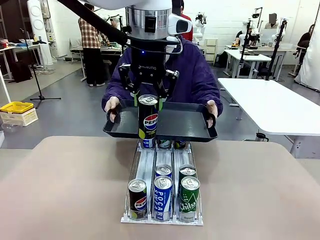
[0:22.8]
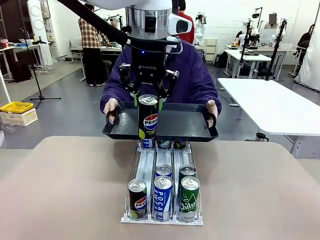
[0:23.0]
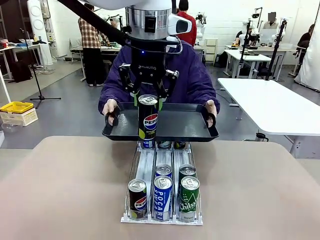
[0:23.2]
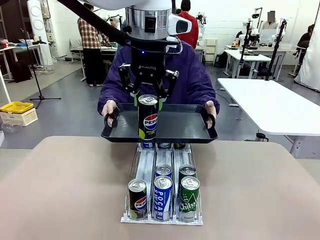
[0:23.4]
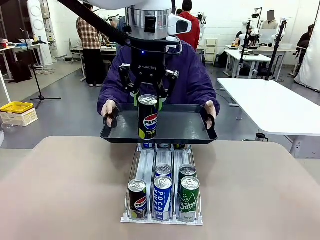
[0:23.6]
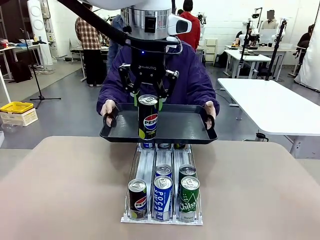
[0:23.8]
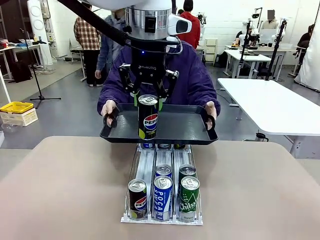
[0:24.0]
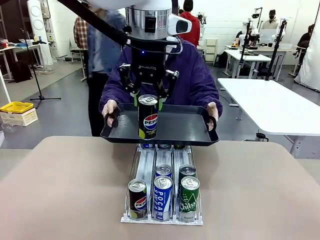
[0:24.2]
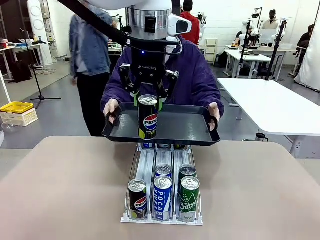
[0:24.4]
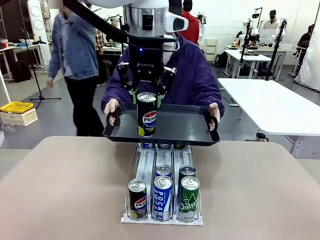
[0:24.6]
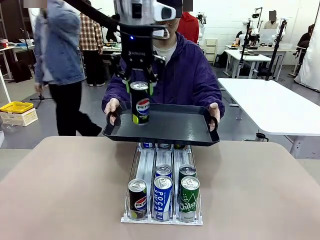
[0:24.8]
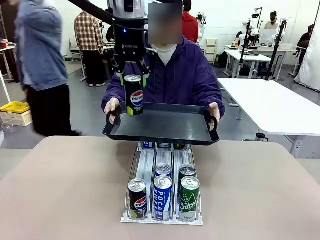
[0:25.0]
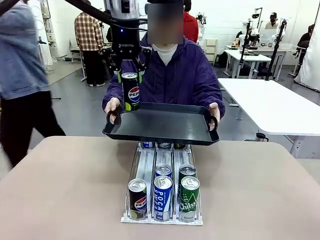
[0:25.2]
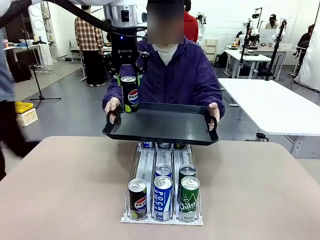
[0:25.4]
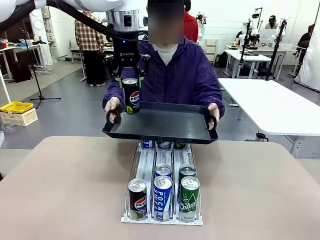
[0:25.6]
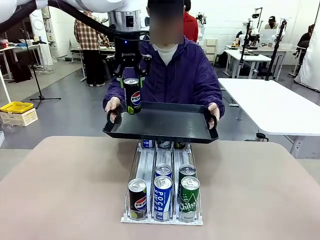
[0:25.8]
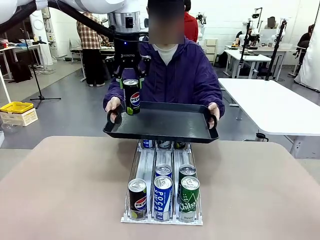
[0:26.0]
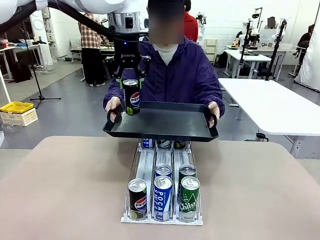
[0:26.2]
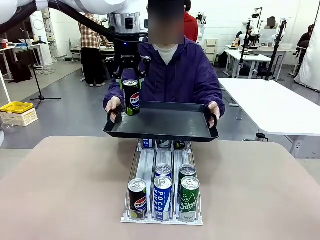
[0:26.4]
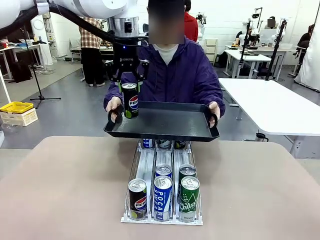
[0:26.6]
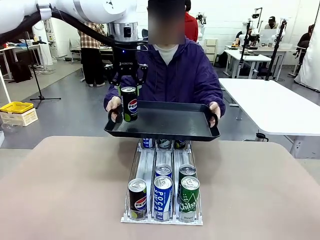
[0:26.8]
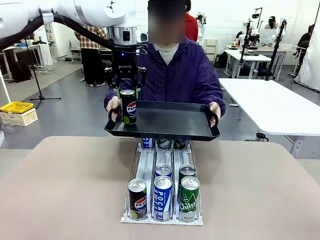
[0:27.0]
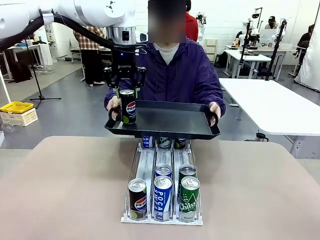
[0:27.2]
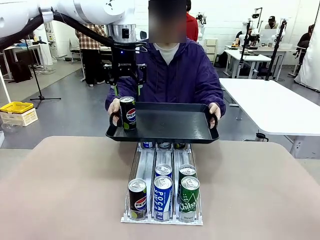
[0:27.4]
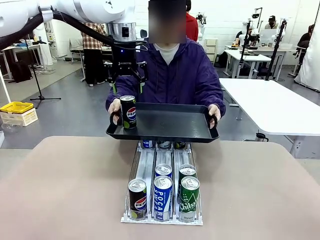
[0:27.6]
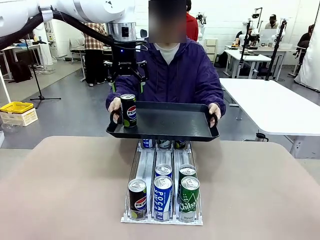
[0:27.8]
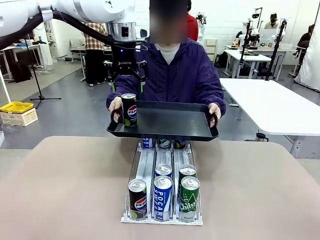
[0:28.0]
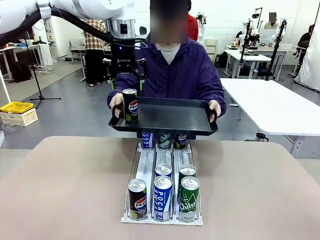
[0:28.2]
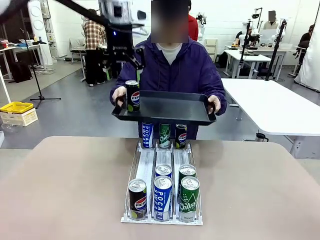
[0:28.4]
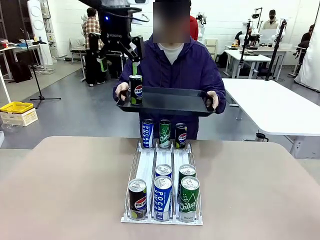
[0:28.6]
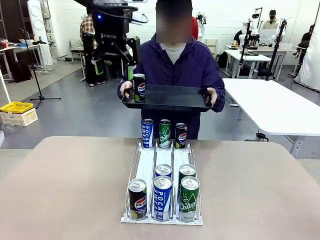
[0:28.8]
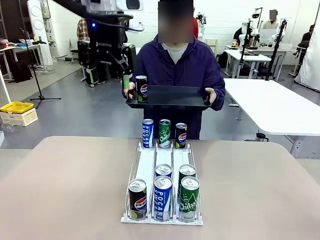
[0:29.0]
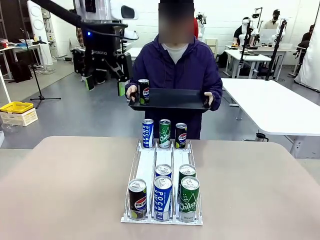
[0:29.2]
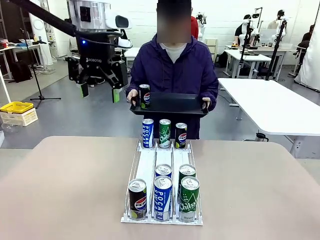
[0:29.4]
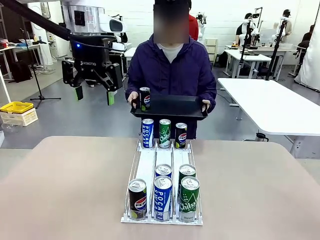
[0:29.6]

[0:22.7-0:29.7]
Task: Retrieve and hand over the desired beverage to the person.
Robot: Place the picked can on the Handle tray extended by the person.

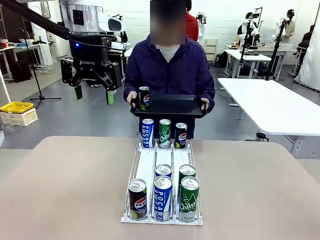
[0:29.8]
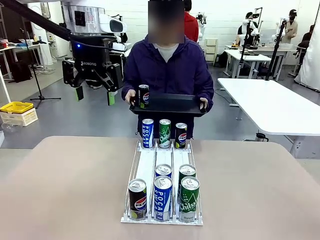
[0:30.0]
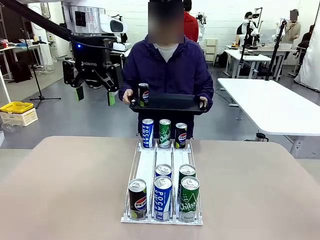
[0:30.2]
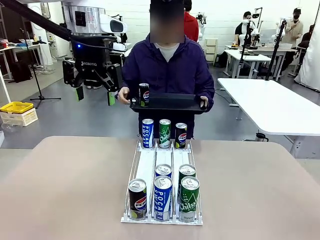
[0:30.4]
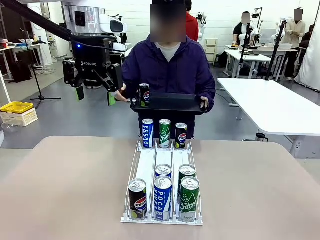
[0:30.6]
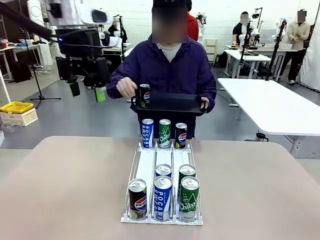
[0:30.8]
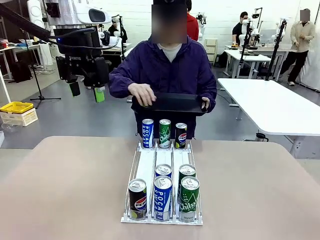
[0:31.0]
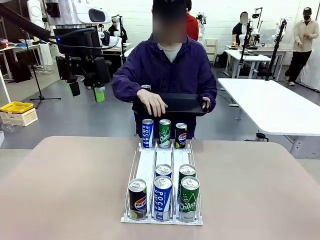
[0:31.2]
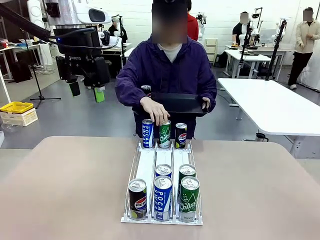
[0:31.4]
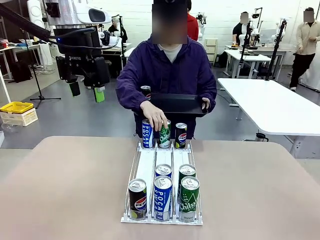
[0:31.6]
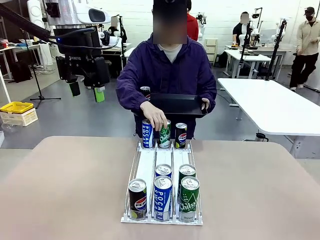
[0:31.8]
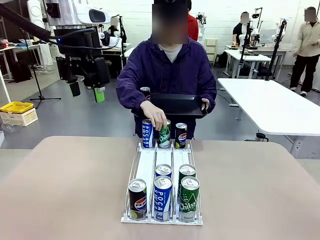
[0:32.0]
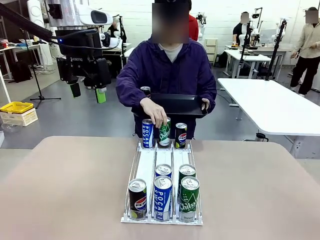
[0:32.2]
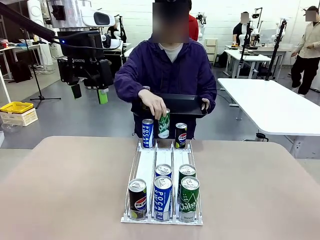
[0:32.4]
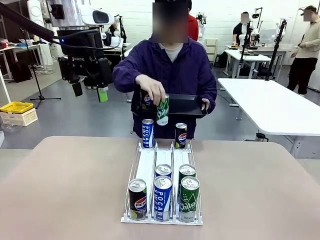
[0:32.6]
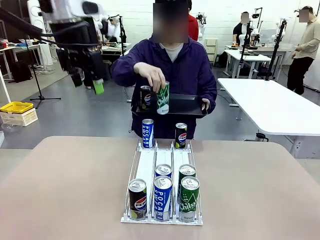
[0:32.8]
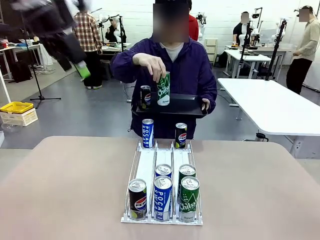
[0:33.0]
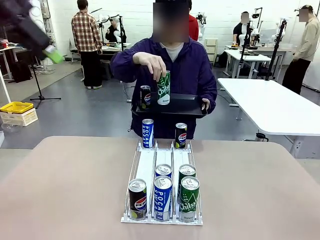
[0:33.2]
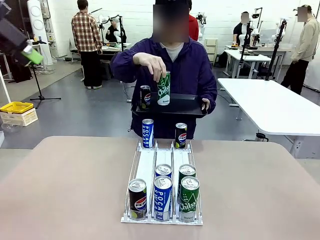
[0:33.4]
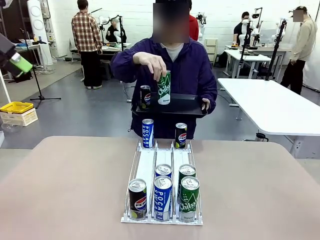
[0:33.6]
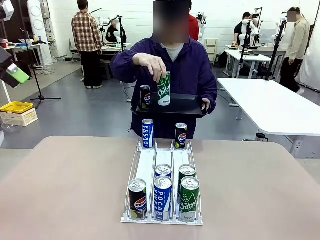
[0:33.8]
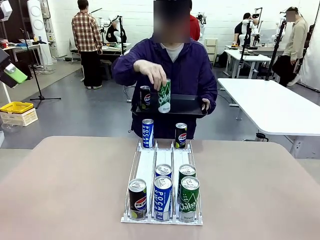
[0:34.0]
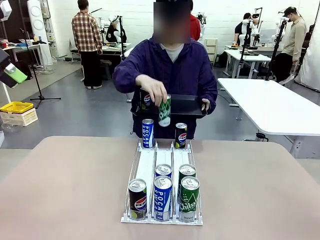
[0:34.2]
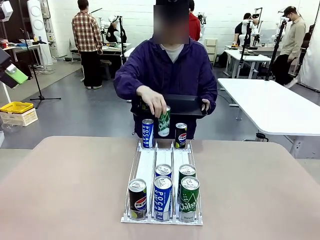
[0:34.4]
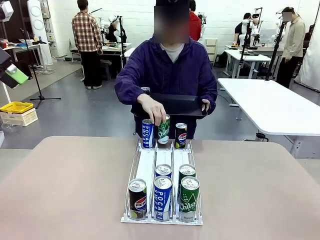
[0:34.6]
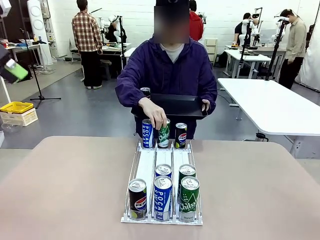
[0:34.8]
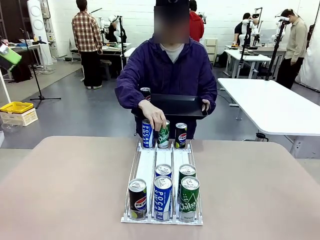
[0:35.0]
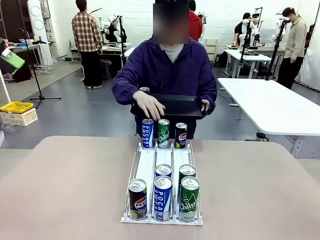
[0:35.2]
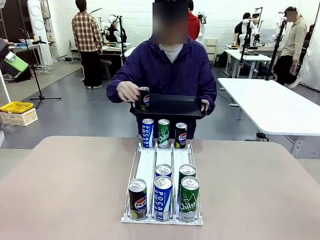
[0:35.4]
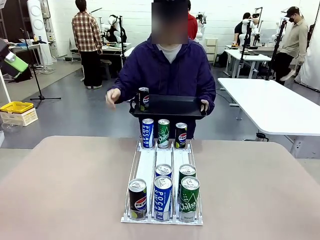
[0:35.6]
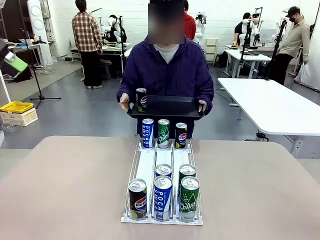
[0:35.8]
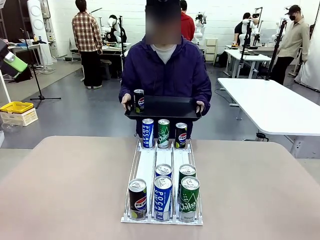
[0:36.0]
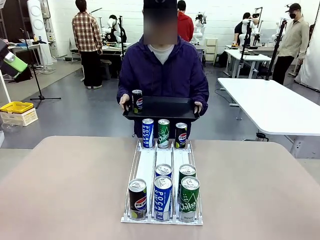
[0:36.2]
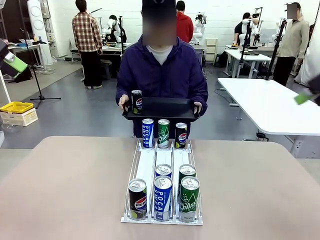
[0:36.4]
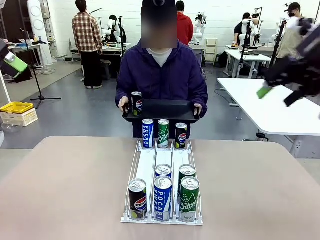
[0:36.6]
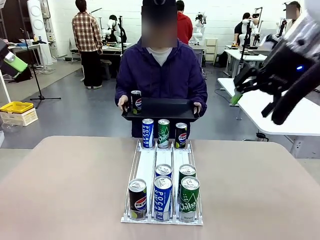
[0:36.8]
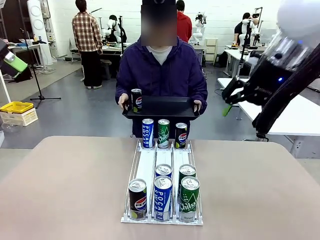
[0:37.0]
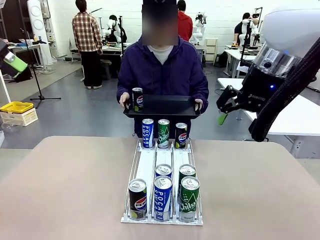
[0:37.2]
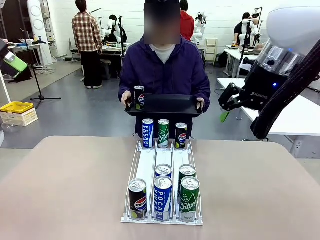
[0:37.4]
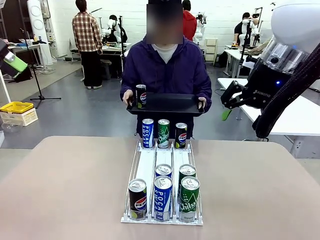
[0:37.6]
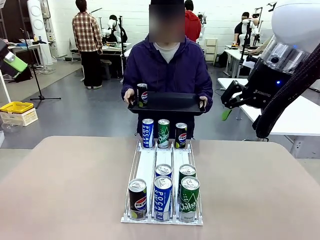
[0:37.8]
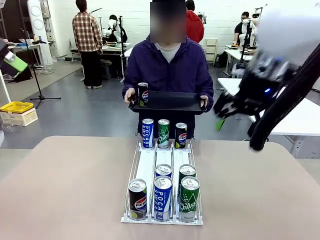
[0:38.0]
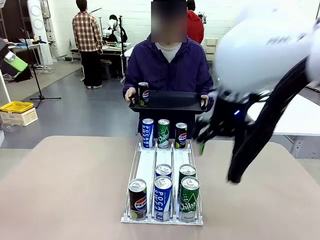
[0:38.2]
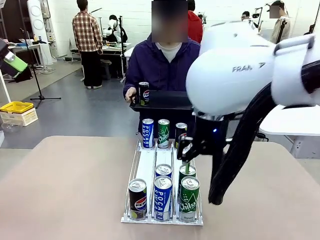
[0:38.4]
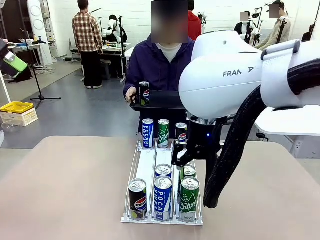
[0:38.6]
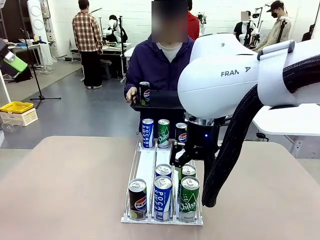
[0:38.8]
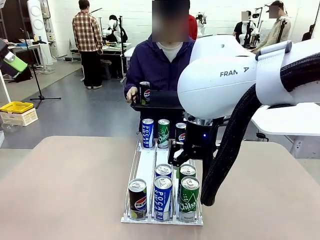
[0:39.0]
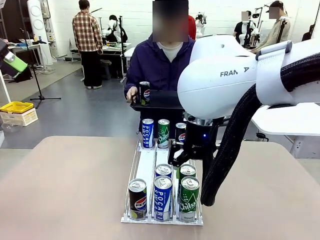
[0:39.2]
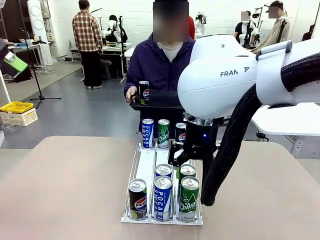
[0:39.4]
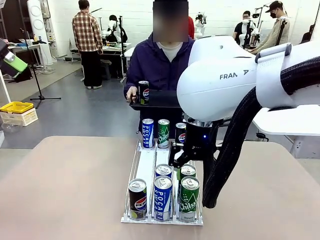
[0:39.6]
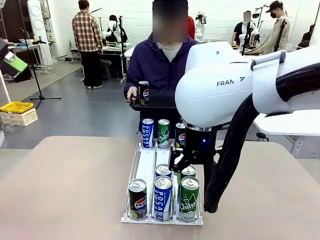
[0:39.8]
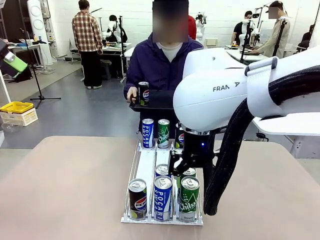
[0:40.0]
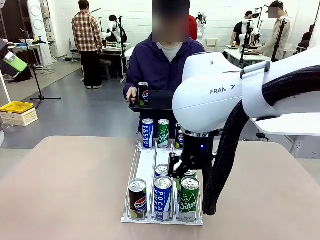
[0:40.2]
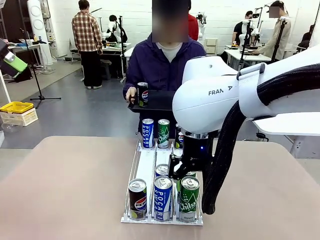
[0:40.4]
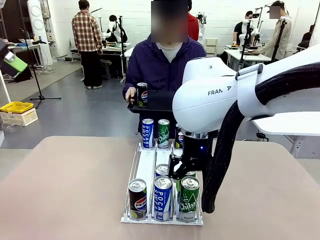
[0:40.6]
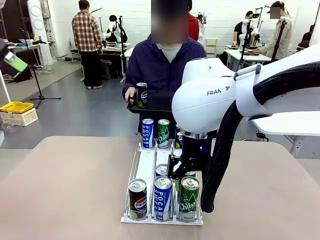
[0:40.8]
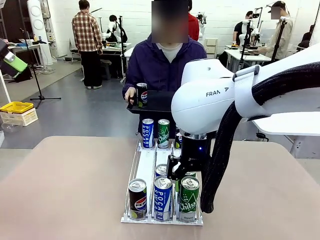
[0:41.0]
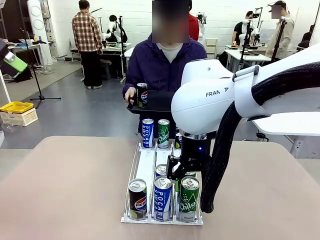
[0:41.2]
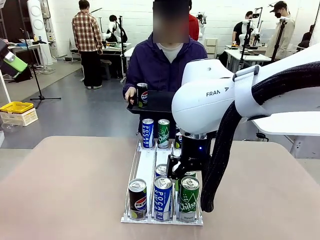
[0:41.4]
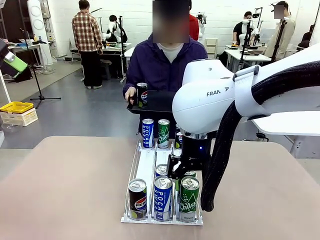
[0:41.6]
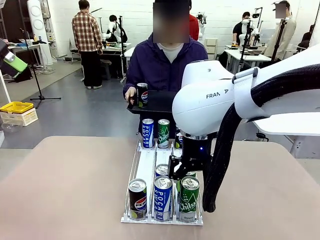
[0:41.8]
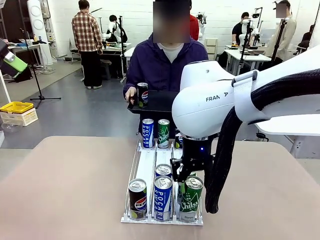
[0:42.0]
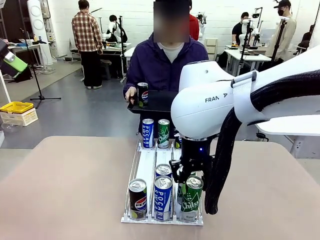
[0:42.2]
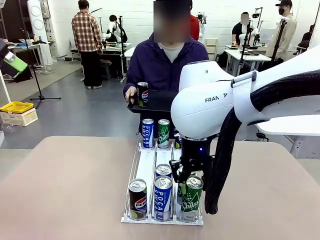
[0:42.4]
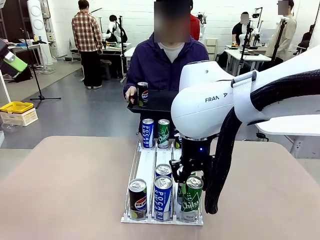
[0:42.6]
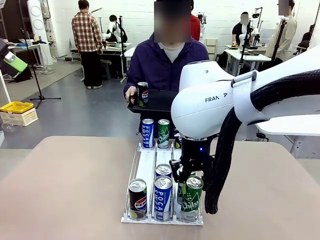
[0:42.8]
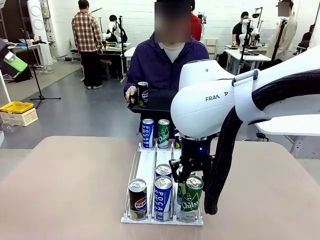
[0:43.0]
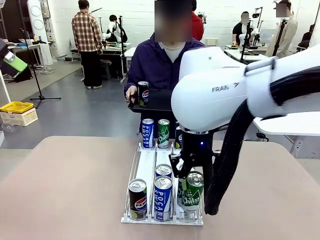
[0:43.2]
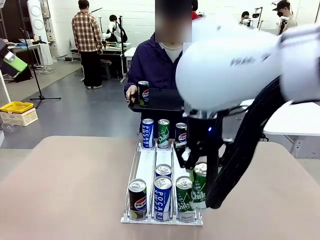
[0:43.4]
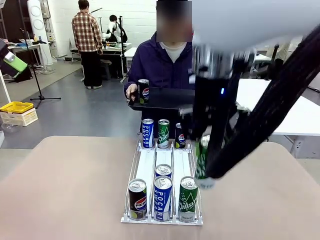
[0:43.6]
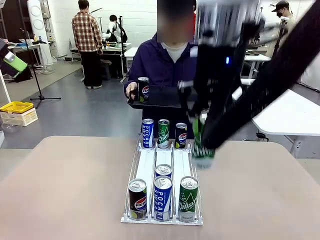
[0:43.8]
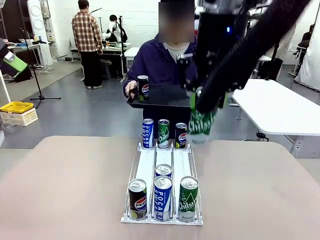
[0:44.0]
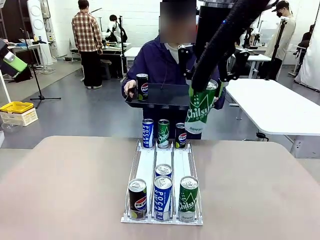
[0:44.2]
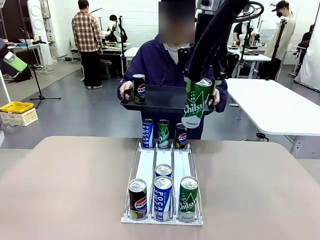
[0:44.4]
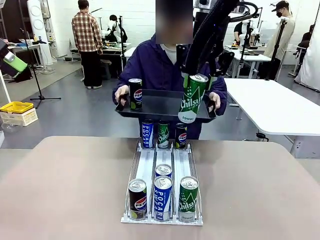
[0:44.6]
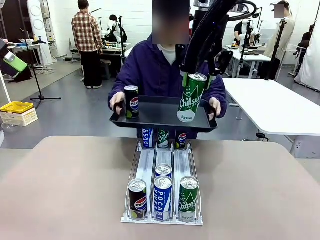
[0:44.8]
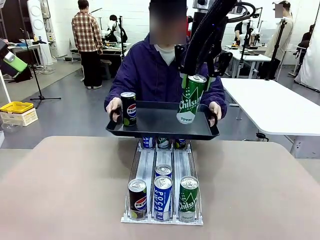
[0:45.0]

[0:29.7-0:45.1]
Robot: Pick up another can of the same type that the person held from the Automatic Can Dispenser.
Person: Pull the tray back, then pick up another can from the bottom area of the table and puts it back in its original place. Push the tray toward the robot again.
